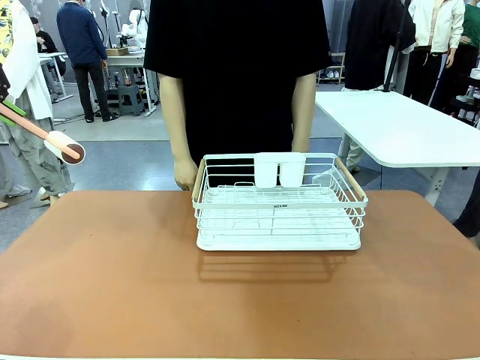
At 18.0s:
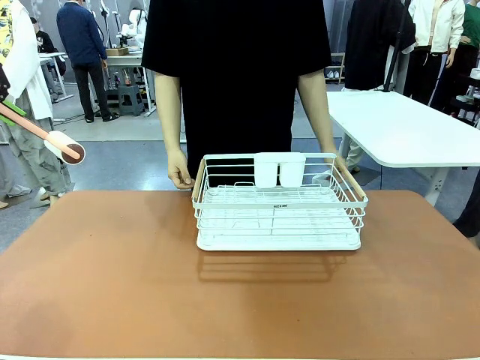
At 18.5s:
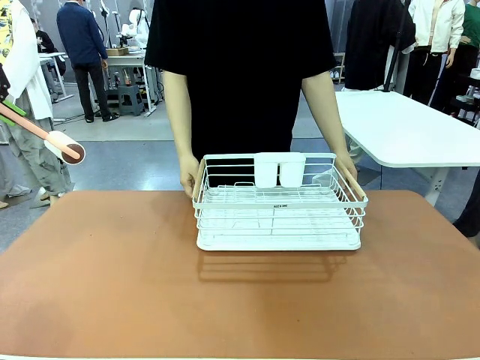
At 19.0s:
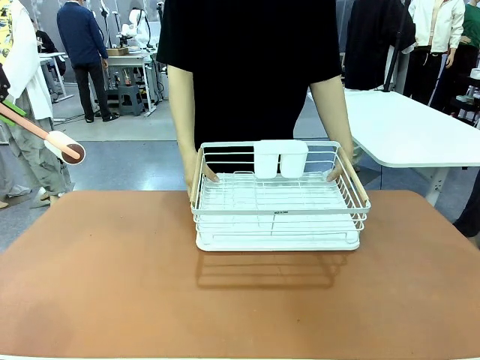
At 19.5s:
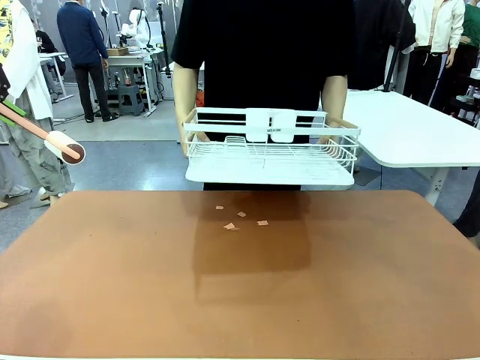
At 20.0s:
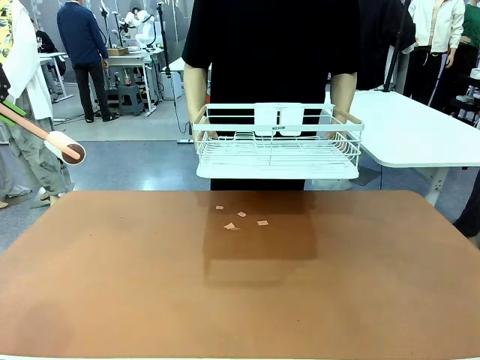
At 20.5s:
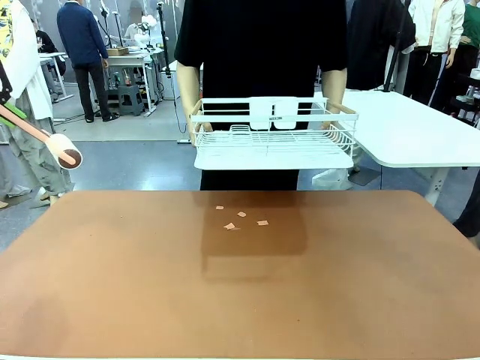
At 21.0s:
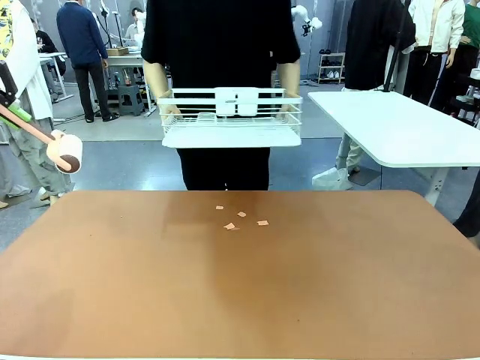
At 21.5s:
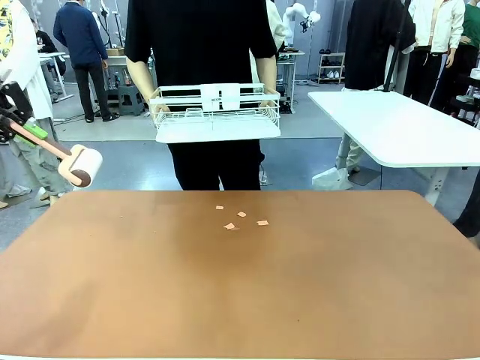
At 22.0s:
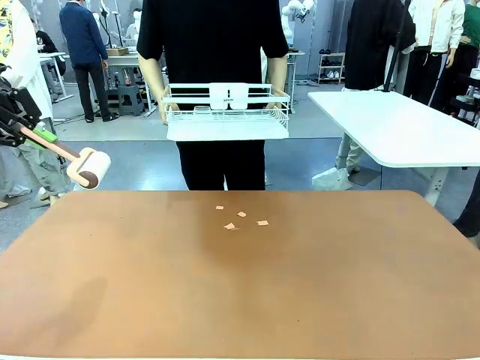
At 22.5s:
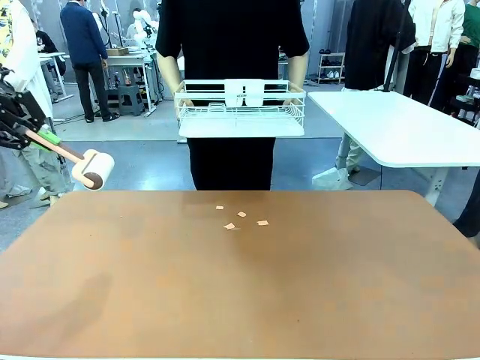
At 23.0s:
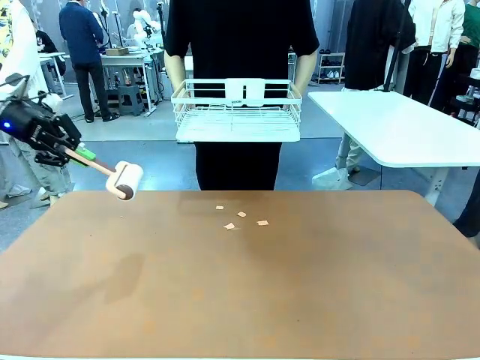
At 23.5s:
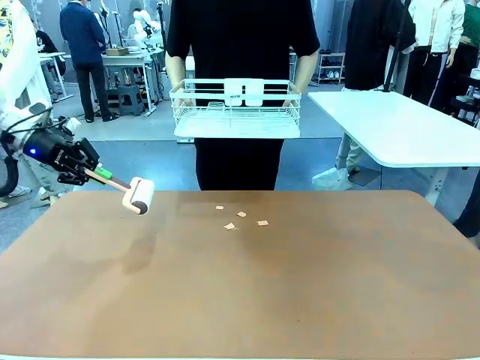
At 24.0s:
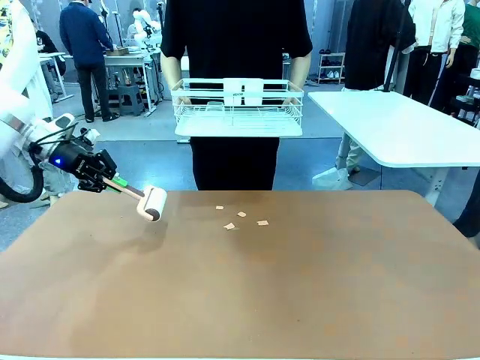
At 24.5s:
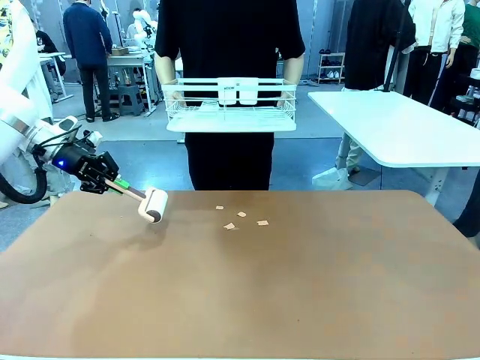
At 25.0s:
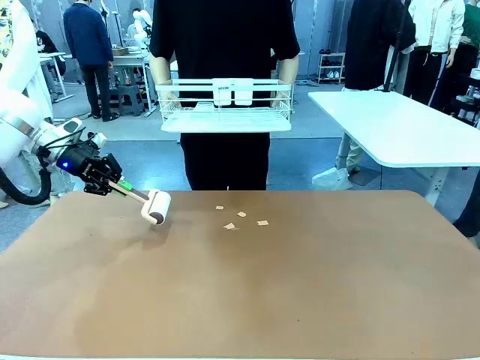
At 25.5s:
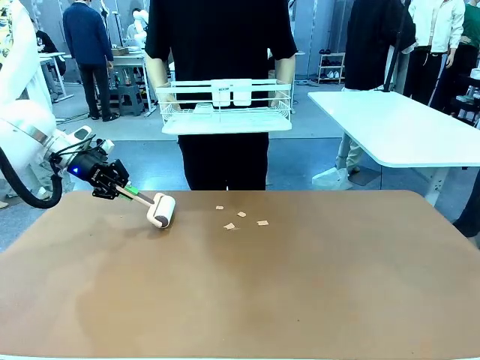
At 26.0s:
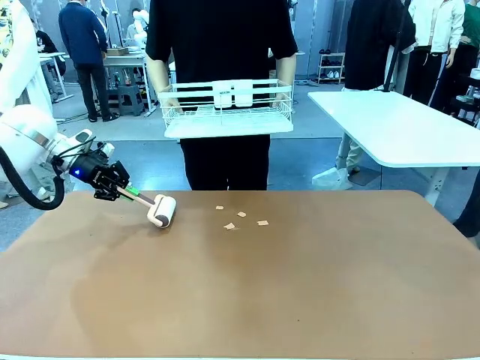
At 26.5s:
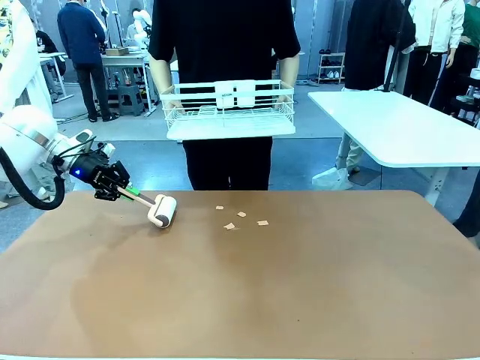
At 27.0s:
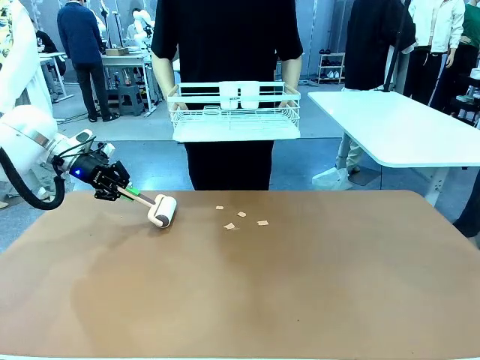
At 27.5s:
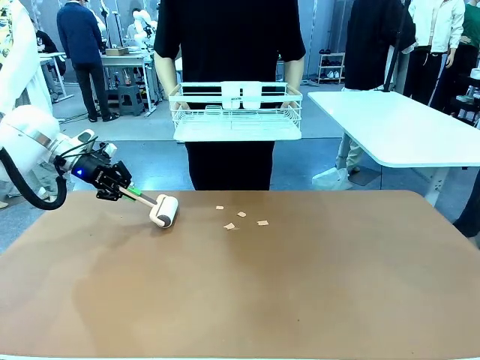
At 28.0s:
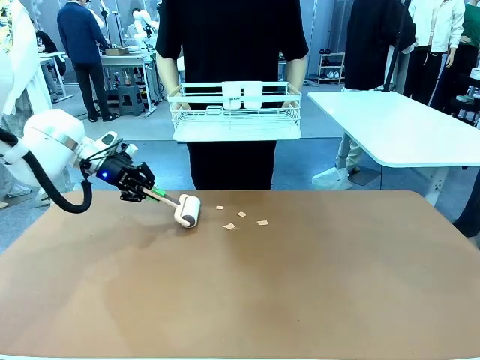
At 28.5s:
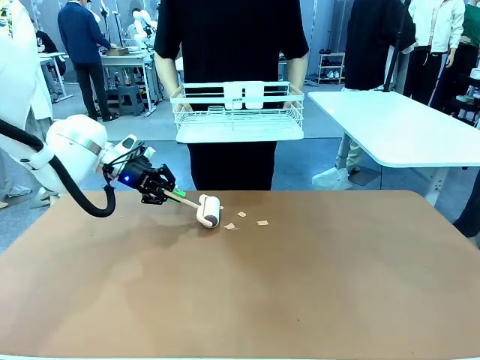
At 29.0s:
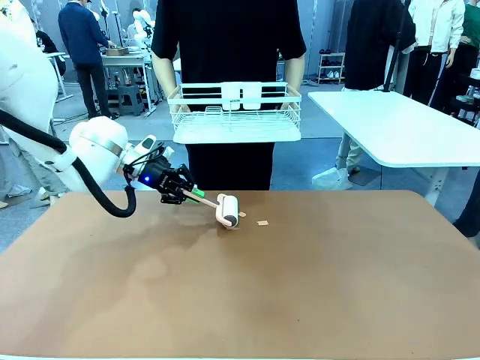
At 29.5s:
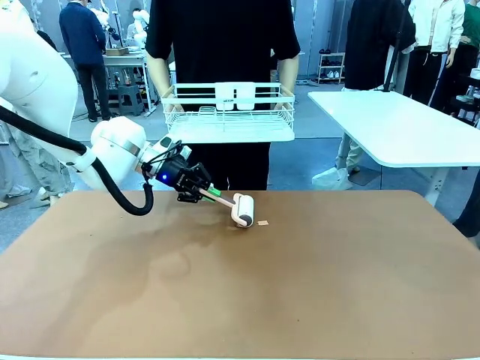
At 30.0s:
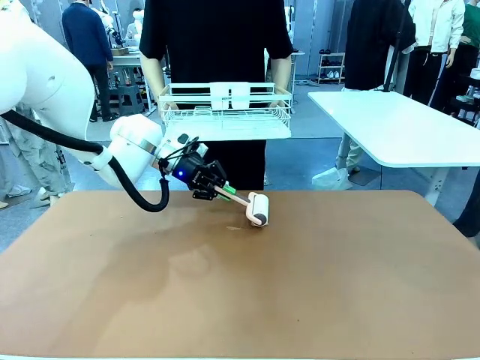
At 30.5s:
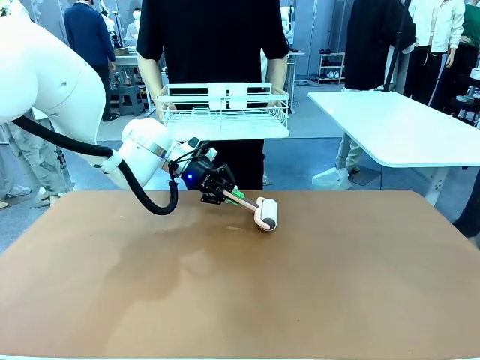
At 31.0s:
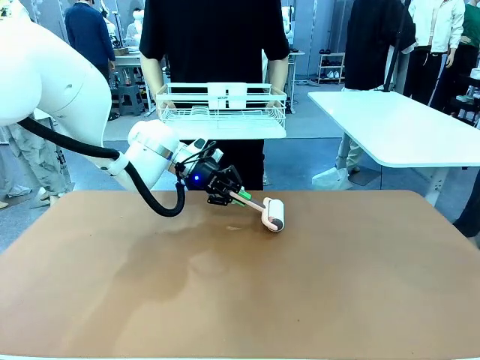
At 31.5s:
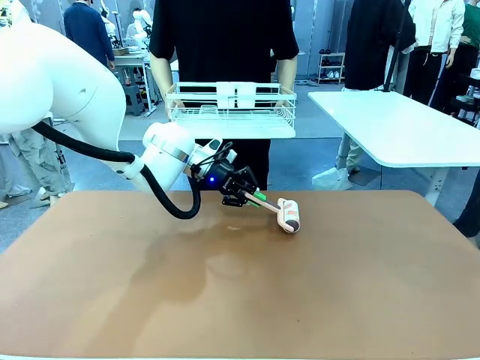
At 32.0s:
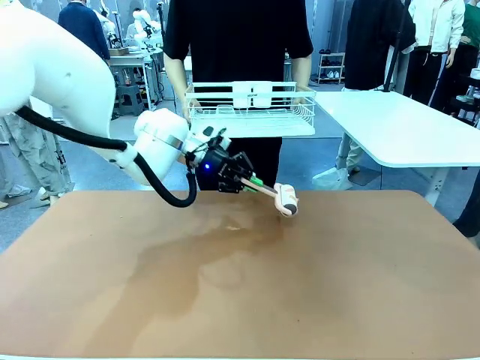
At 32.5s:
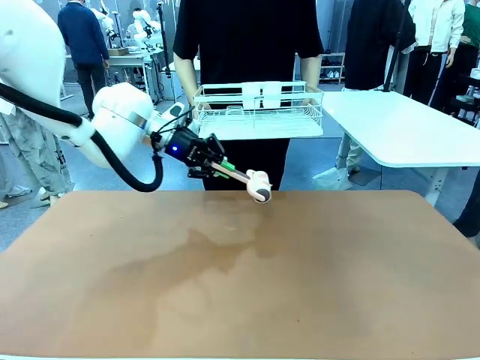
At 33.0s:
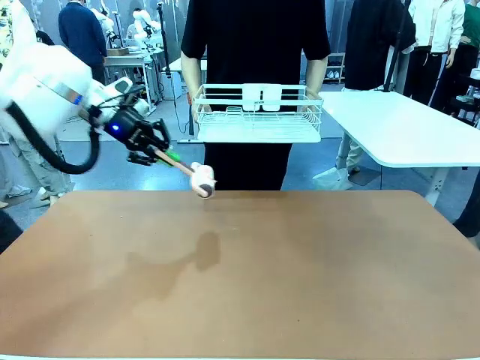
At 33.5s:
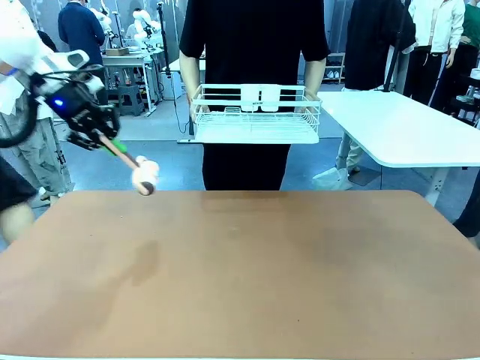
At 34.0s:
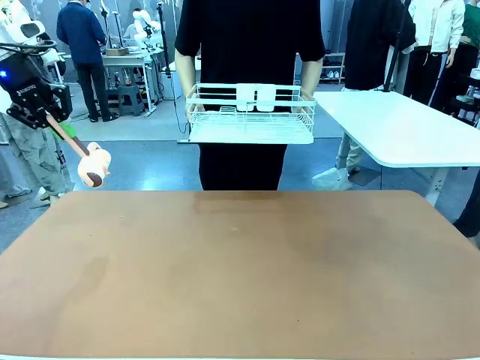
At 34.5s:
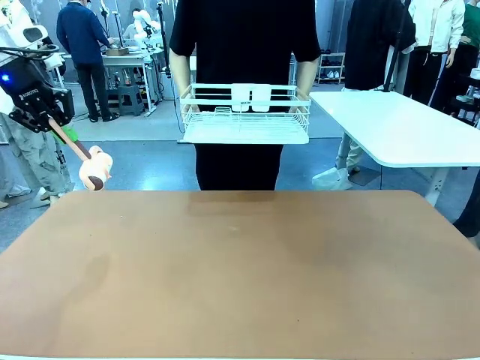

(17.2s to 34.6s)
Task: Clean the table.
Robot: Clean the table with the Lint Roller when the human lifts the Dish drying rack.
Person: Place the Dish drying rack down when the robot finishes cleaning.

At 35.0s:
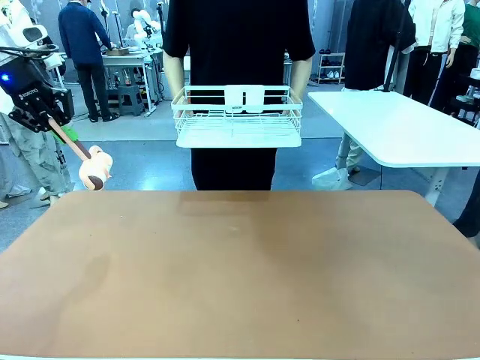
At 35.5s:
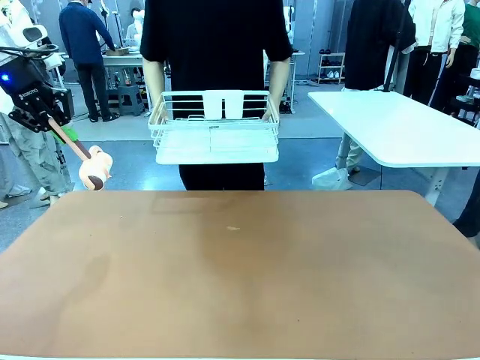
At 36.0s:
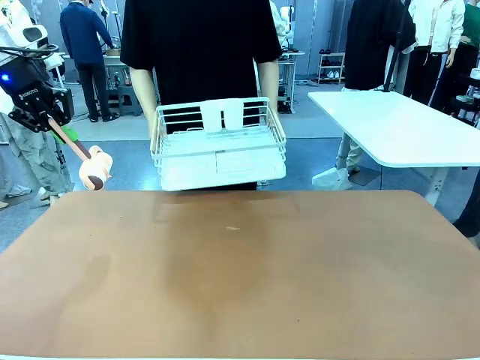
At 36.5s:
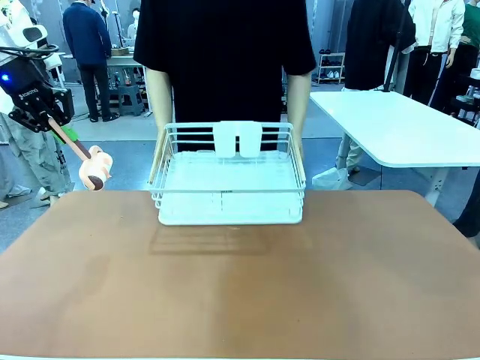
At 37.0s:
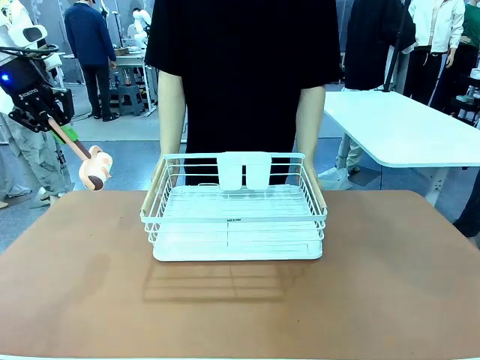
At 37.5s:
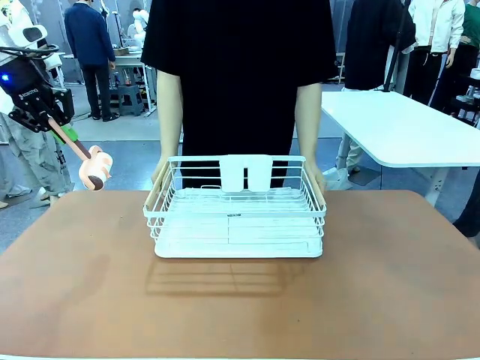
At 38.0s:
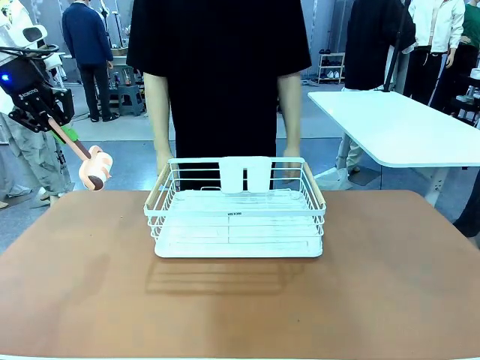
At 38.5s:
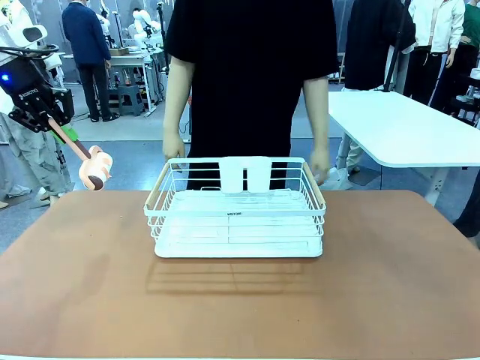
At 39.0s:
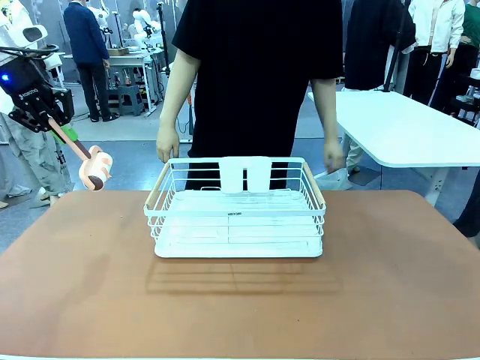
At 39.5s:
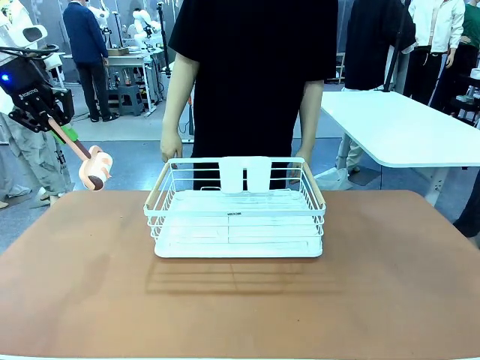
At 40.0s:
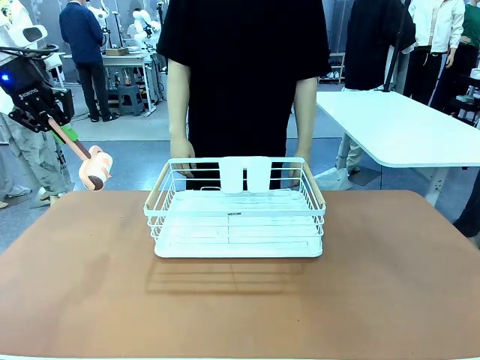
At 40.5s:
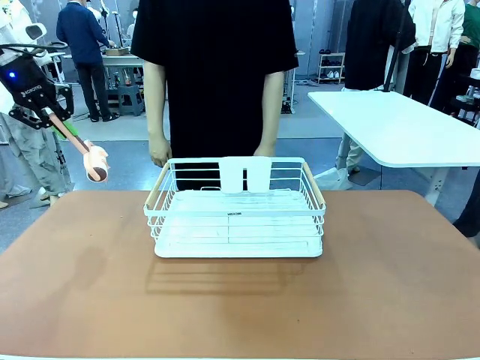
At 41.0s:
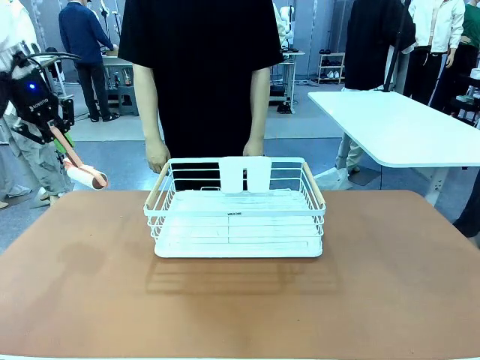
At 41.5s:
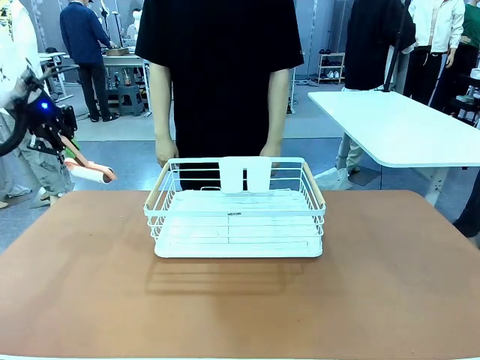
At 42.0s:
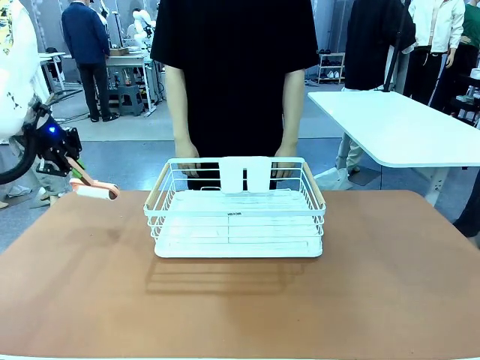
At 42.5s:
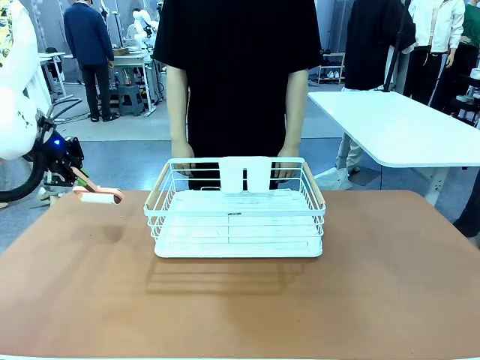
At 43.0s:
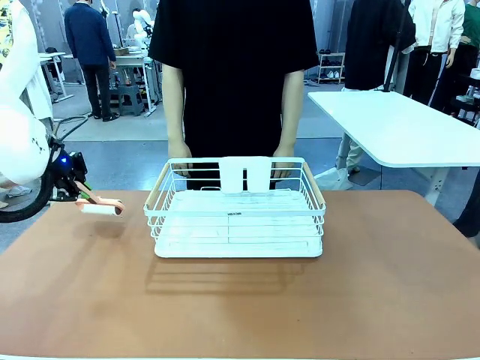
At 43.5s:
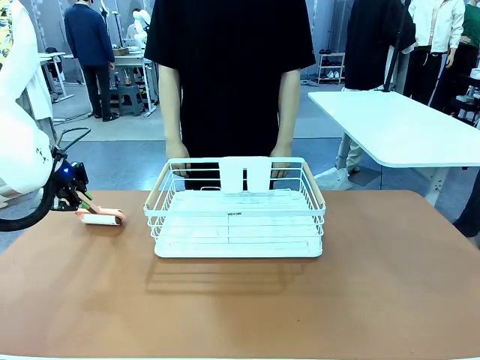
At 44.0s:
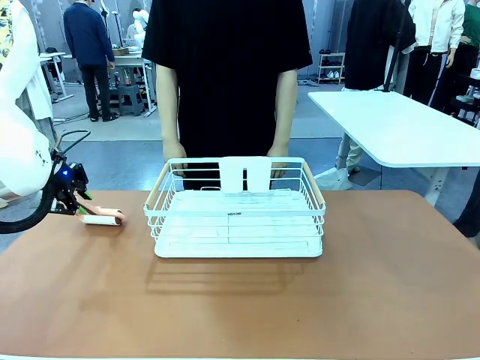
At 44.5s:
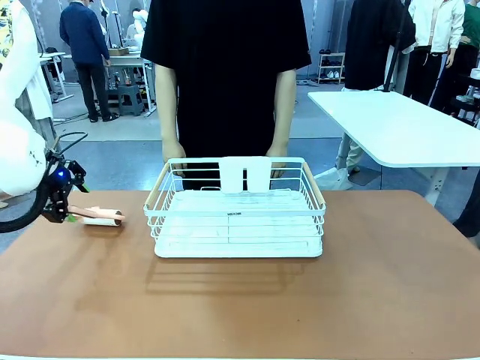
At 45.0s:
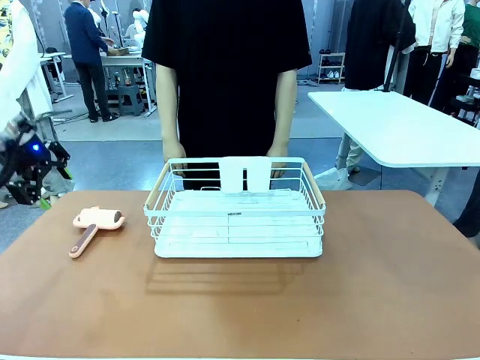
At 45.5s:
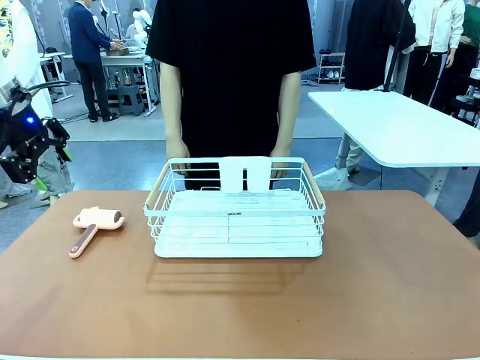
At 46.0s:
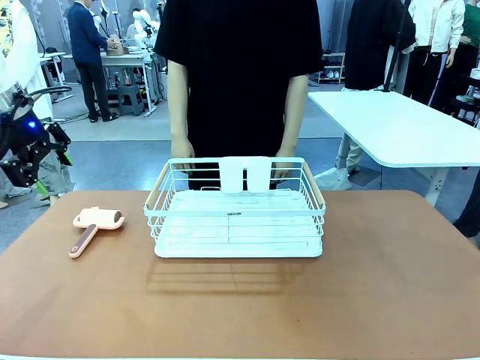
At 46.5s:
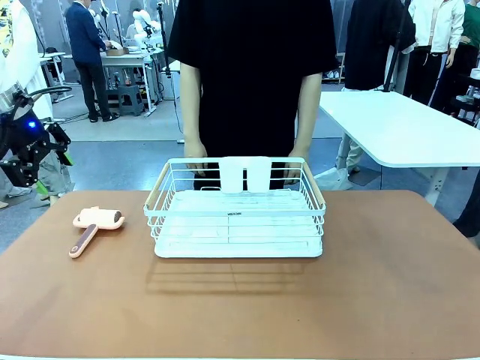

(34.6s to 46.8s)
Robot: Place the Lint Roller down when the Dish drying rack is positioned in the middle of the table.
